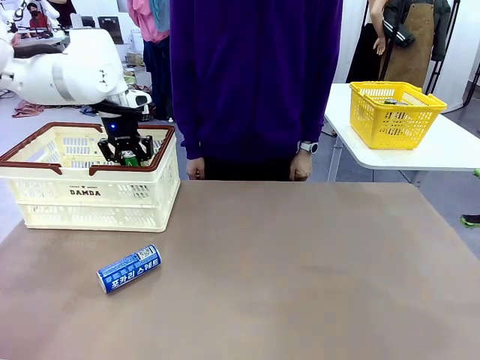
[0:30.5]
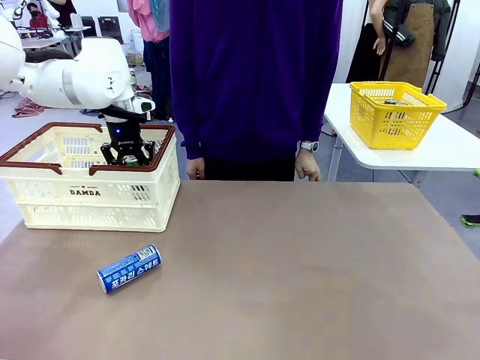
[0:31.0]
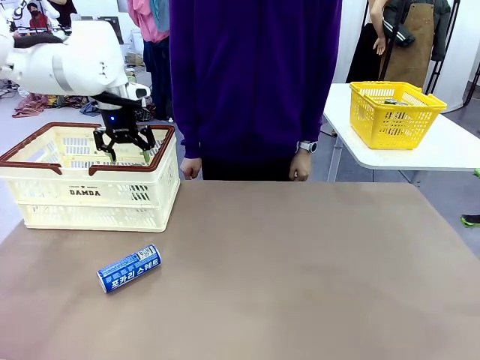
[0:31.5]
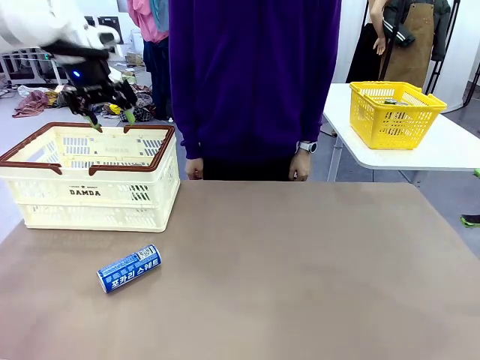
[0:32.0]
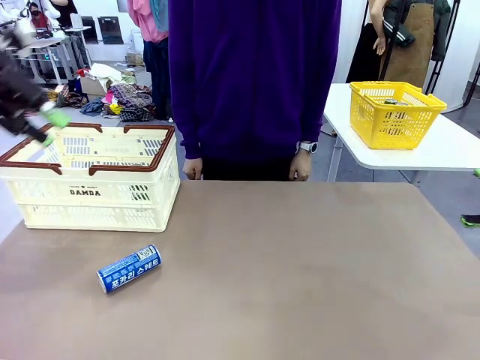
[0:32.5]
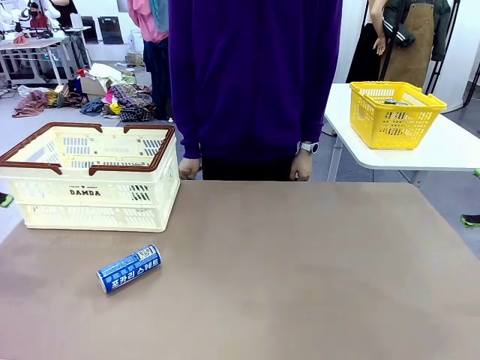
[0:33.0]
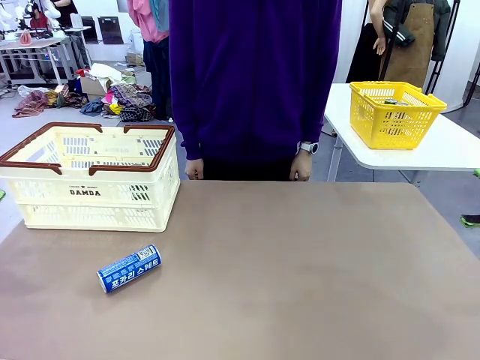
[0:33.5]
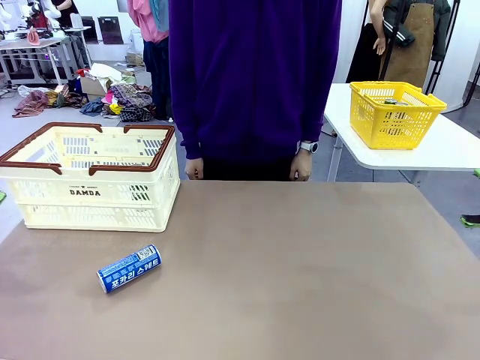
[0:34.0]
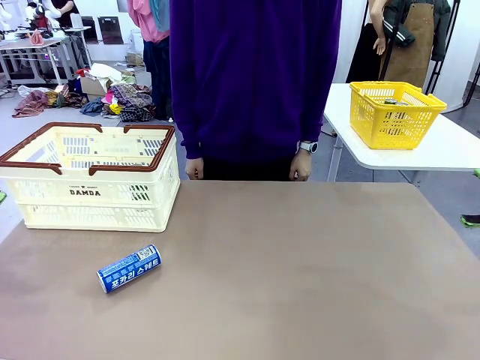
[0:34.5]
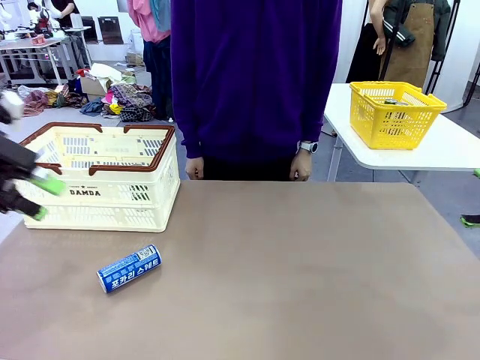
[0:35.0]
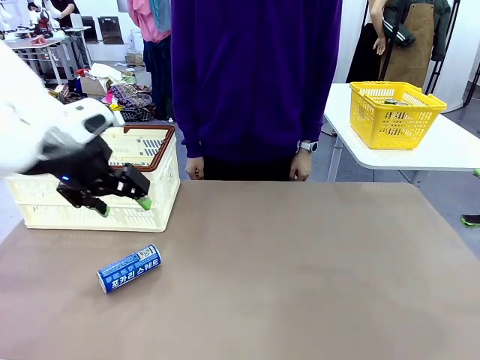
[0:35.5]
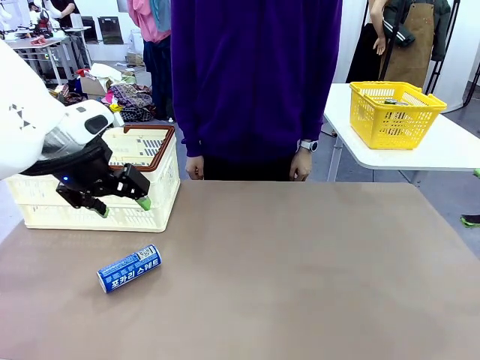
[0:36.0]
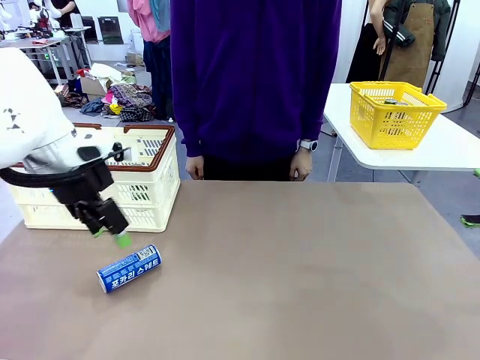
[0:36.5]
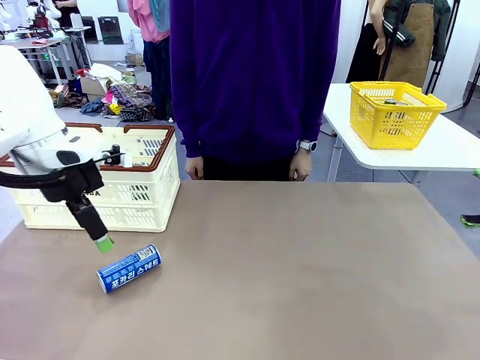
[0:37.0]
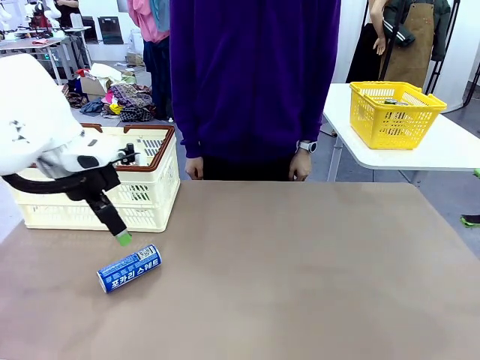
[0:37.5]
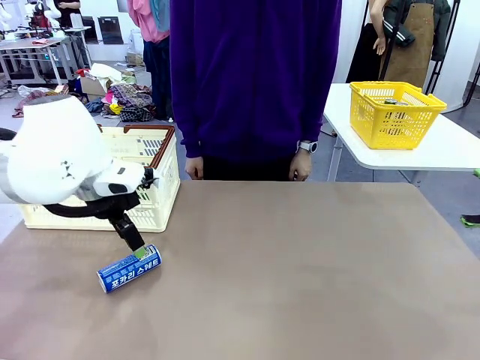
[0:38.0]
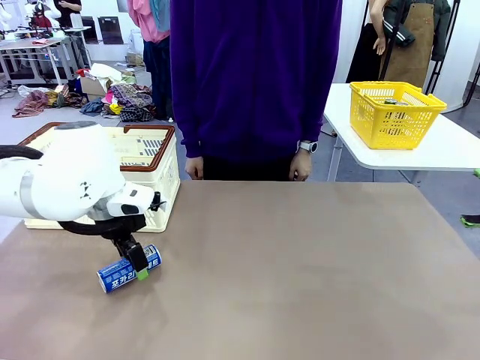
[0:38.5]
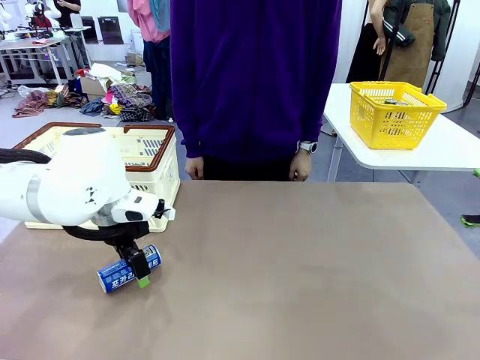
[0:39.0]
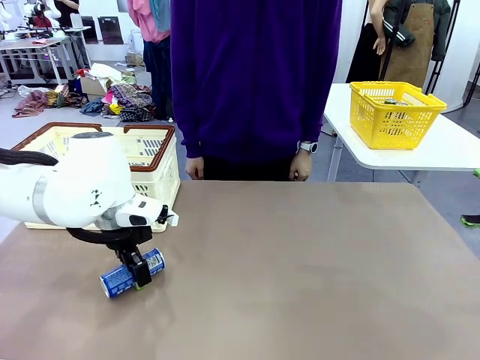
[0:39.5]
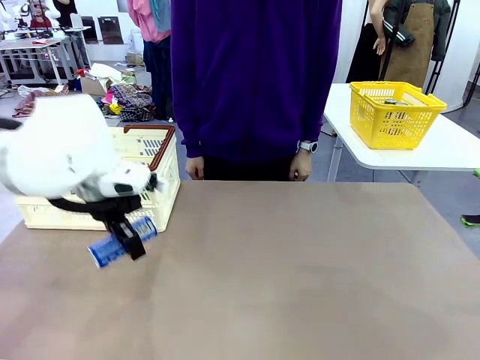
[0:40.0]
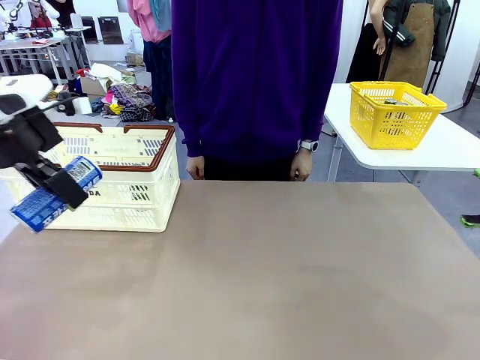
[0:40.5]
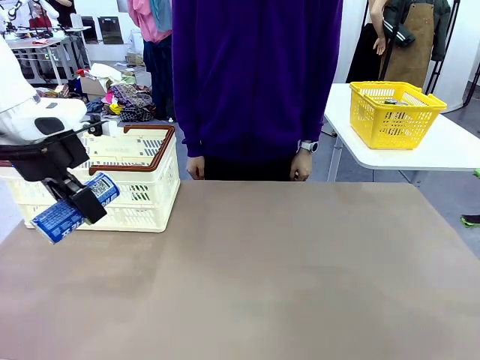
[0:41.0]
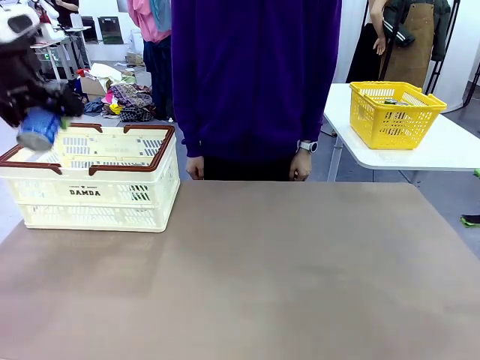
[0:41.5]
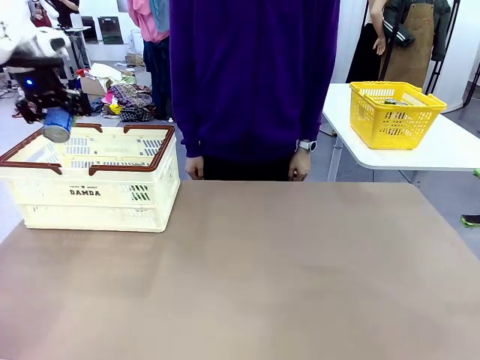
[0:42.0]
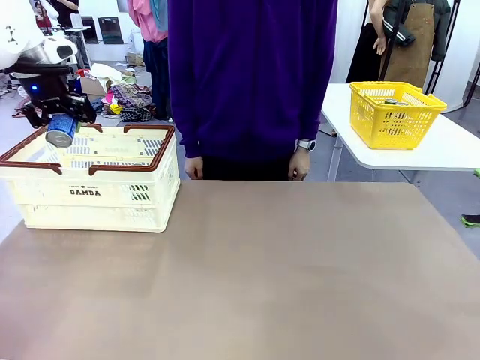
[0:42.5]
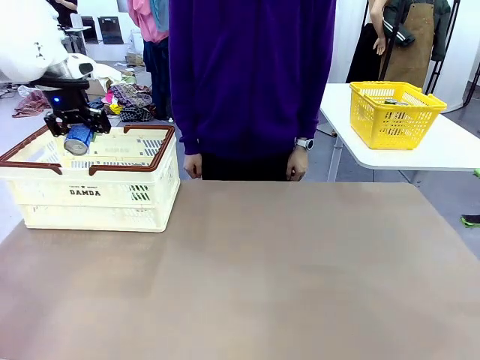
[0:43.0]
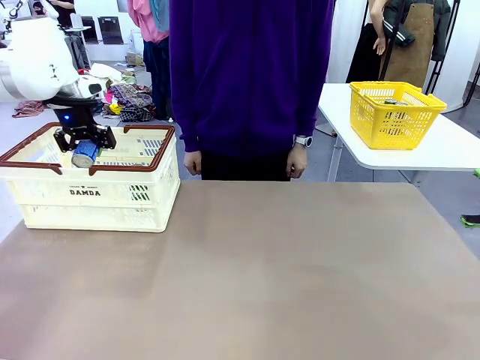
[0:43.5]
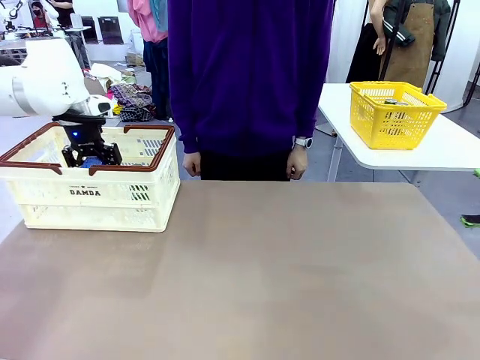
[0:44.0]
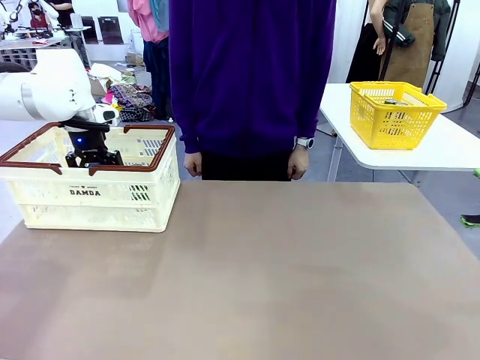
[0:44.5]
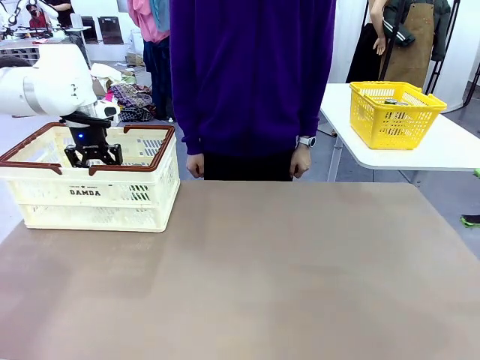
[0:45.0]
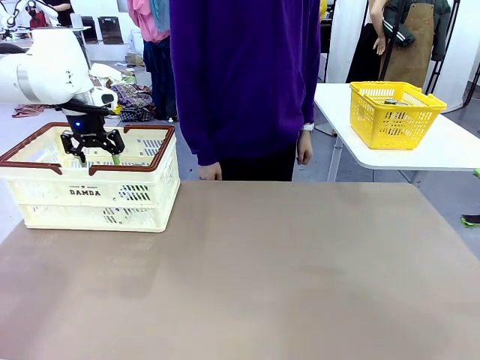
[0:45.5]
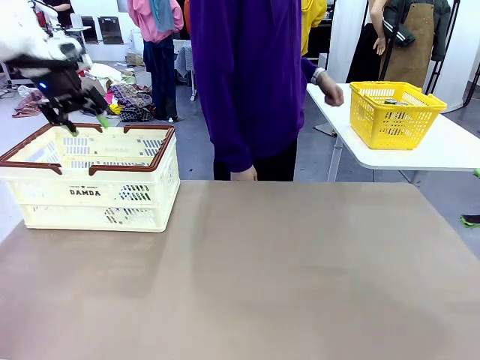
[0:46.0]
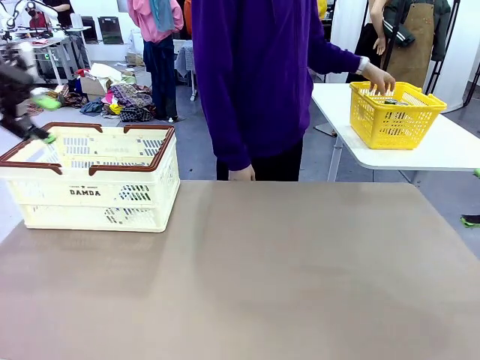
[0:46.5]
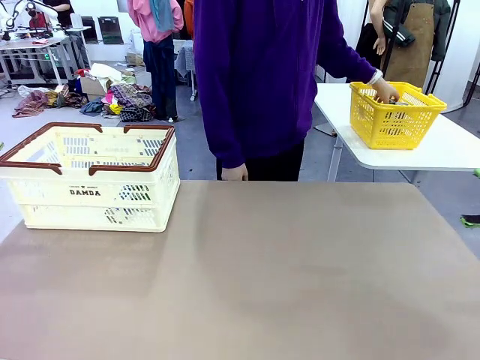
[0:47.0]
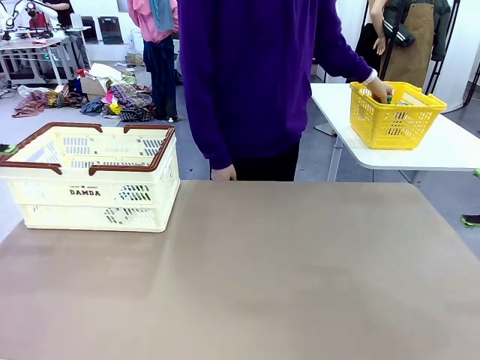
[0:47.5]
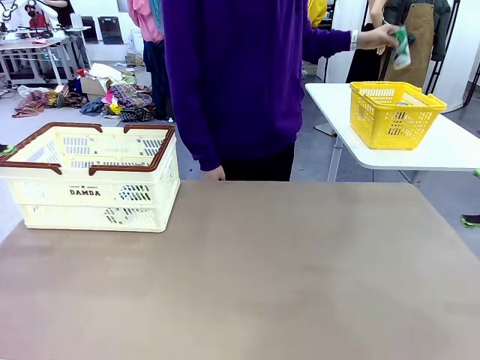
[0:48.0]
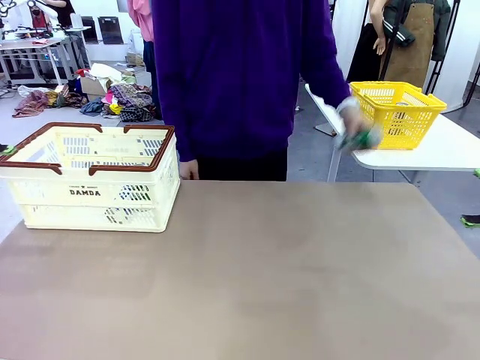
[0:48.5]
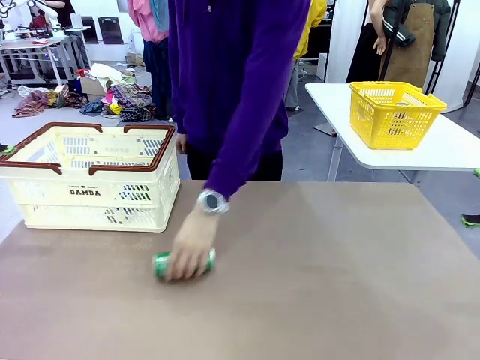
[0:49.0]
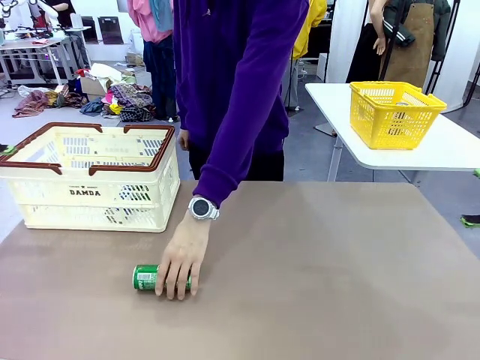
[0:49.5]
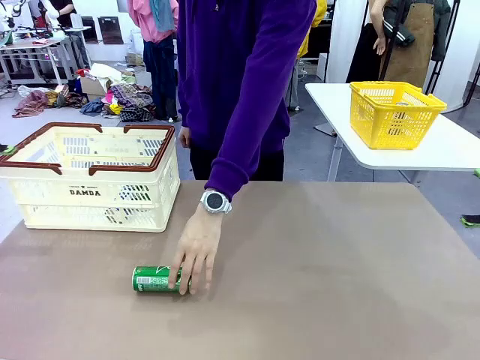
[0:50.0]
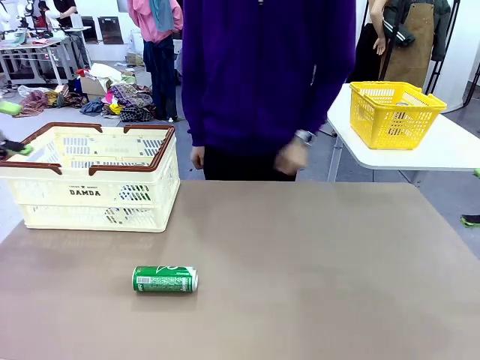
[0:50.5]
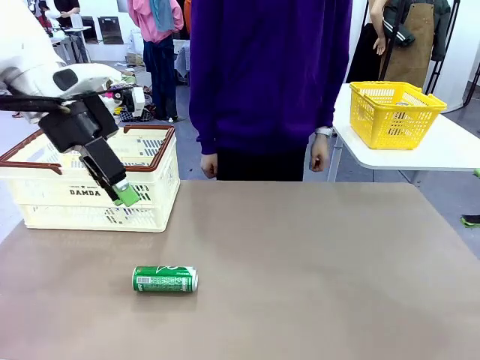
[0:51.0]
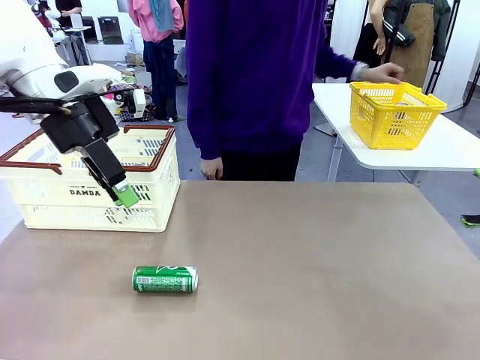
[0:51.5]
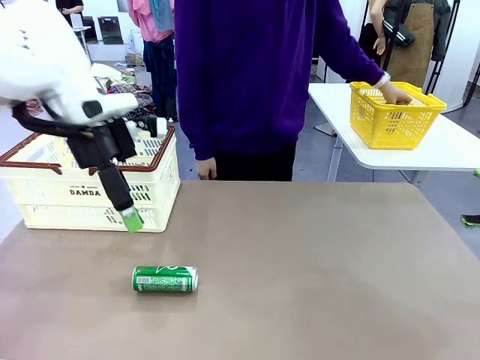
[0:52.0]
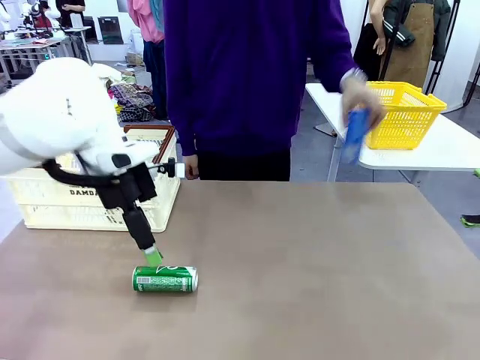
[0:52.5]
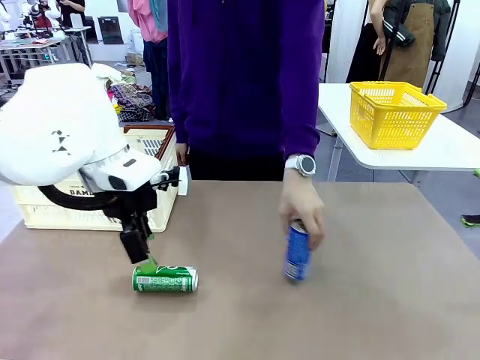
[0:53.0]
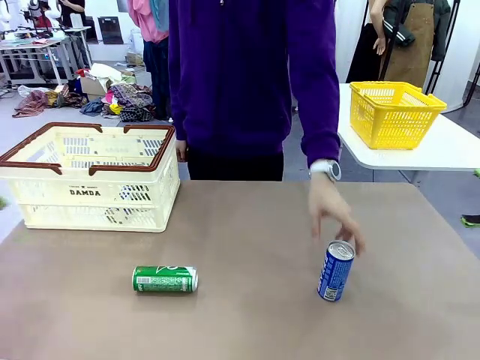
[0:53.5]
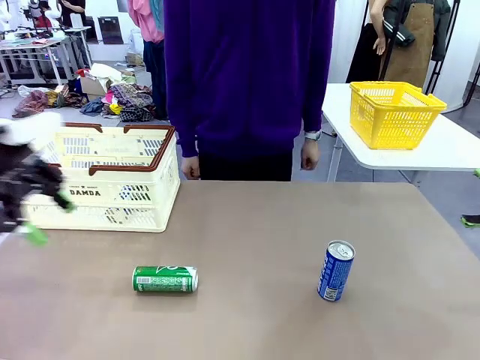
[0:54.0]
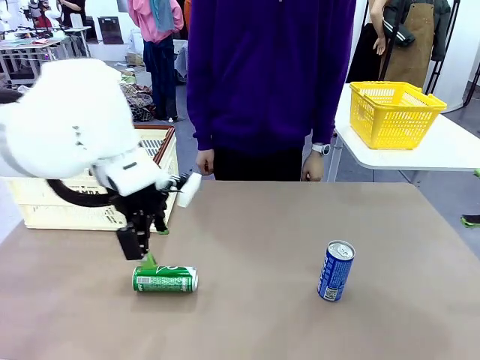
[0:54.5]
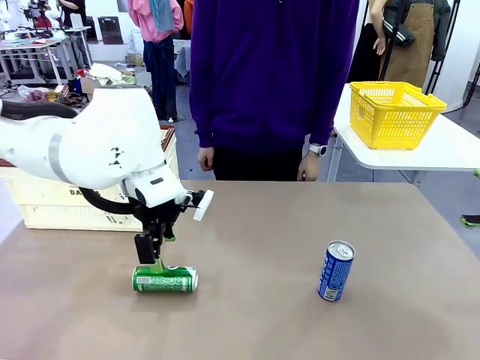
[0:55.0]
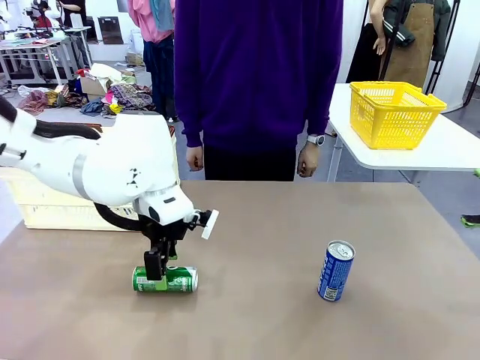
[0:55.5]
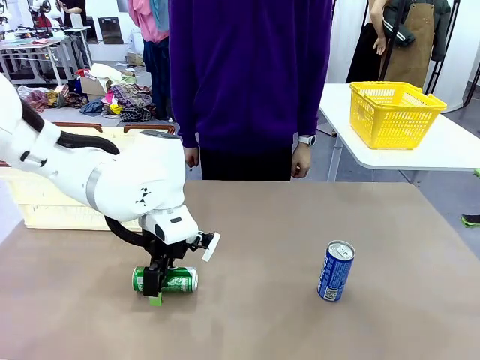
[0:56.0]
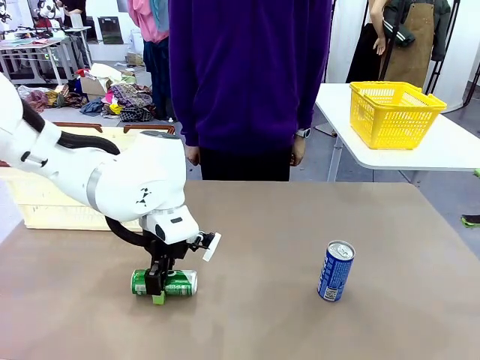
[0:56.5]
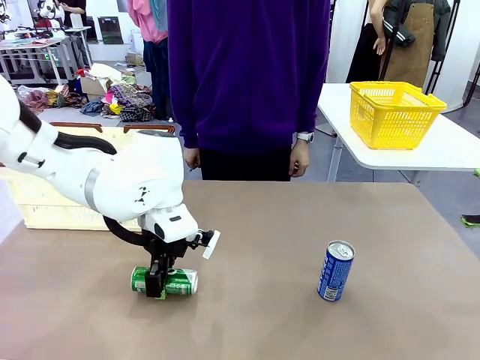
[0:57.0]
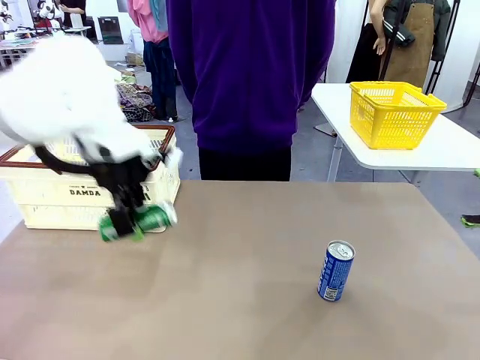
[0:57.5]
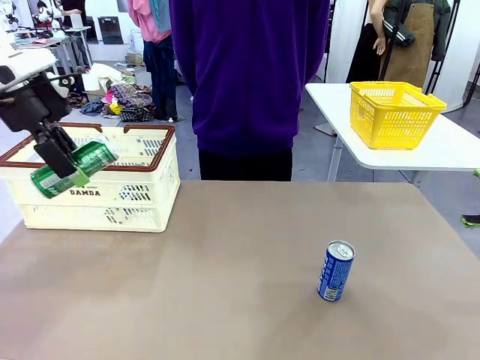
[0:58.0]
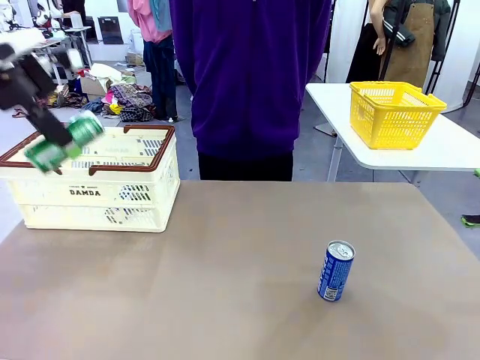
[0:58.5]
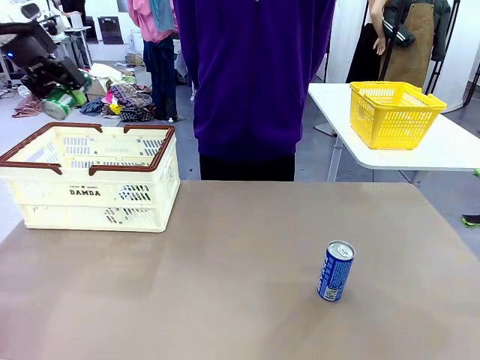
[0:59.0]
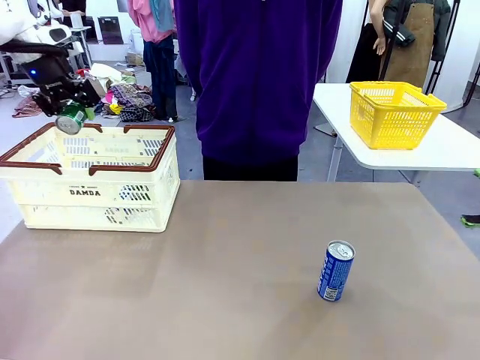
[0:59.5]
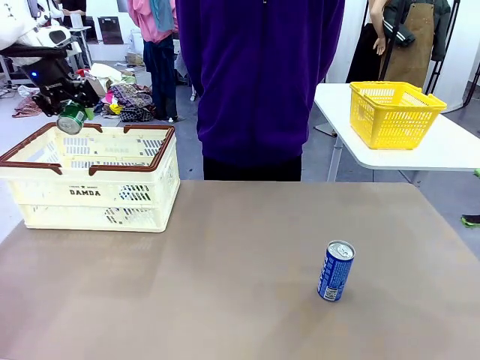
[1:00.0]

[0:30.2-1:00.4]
Task: Place the drinks into the Shopping basket.
Robot: Pick up one drink and place it into the Shopping basket.
